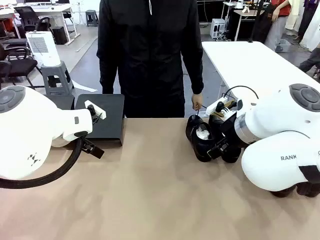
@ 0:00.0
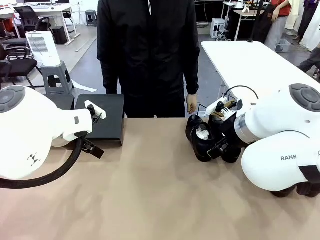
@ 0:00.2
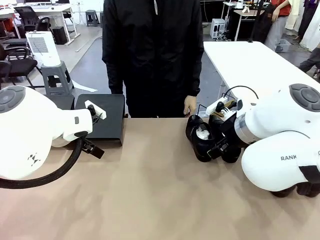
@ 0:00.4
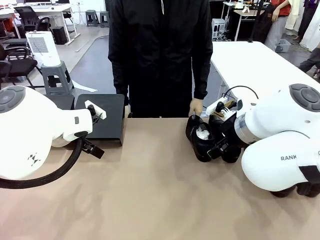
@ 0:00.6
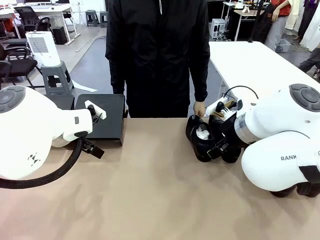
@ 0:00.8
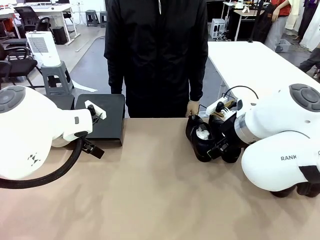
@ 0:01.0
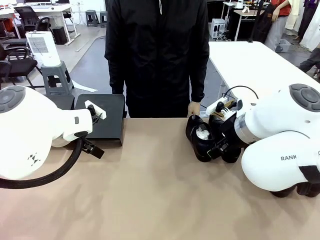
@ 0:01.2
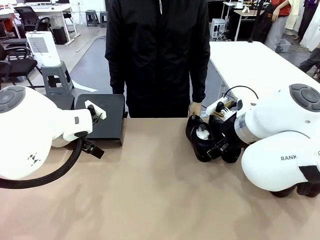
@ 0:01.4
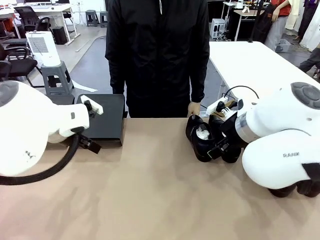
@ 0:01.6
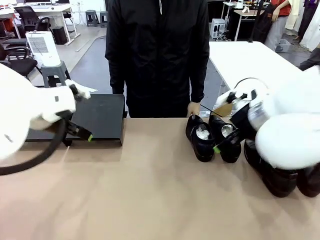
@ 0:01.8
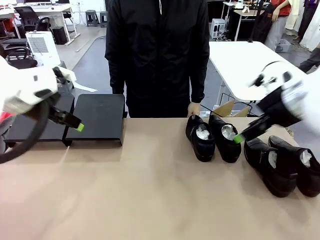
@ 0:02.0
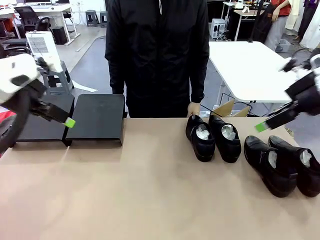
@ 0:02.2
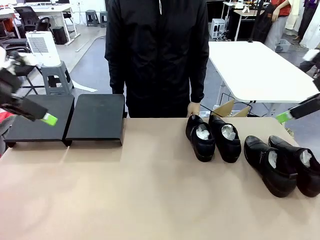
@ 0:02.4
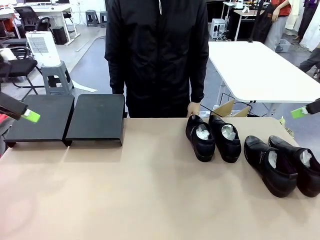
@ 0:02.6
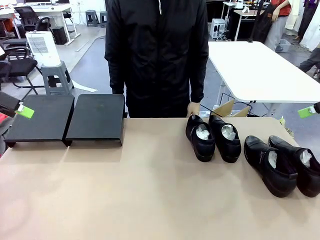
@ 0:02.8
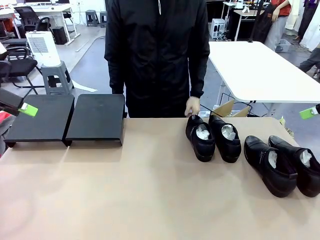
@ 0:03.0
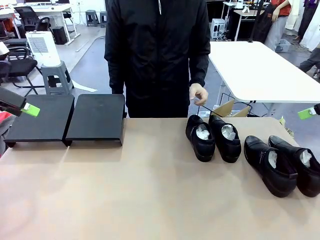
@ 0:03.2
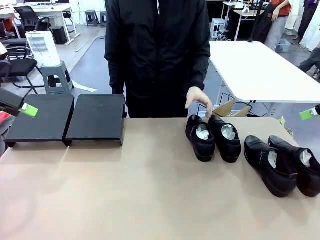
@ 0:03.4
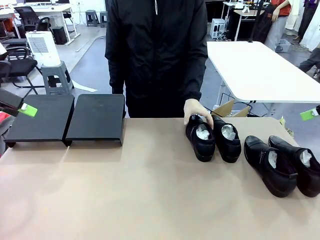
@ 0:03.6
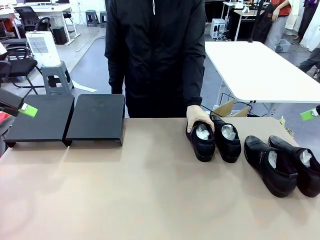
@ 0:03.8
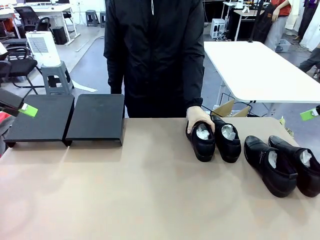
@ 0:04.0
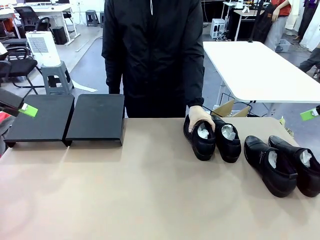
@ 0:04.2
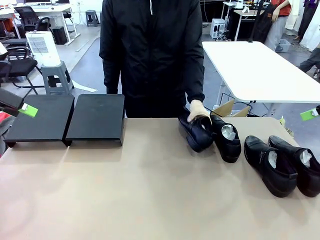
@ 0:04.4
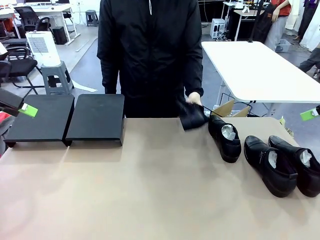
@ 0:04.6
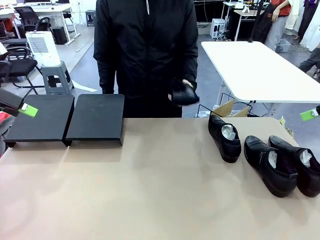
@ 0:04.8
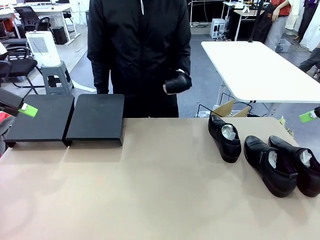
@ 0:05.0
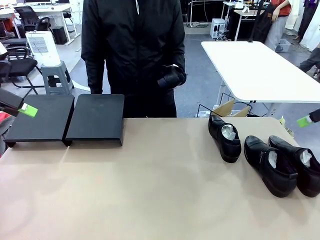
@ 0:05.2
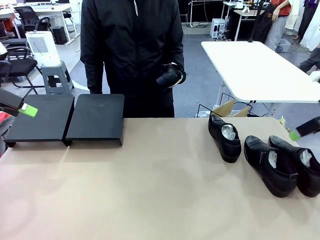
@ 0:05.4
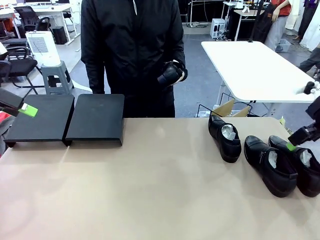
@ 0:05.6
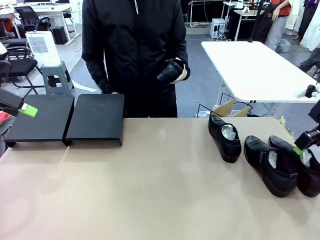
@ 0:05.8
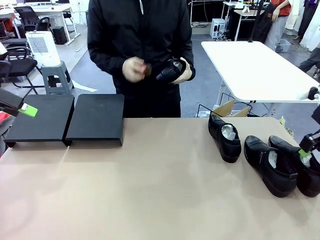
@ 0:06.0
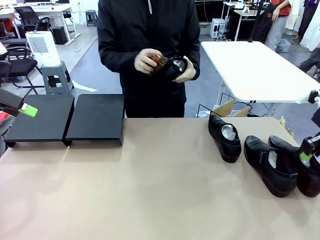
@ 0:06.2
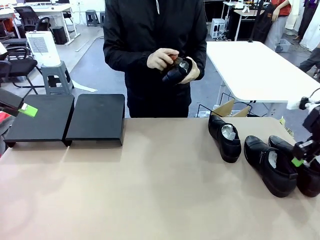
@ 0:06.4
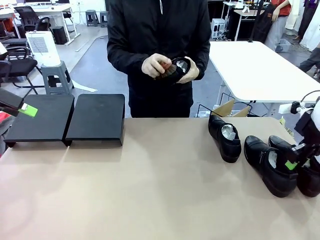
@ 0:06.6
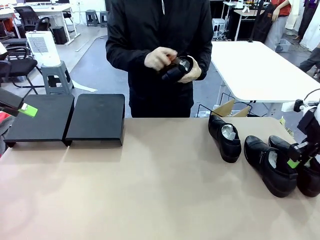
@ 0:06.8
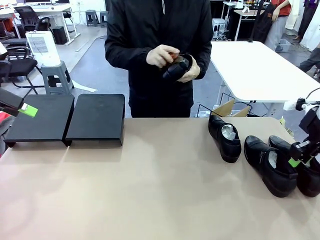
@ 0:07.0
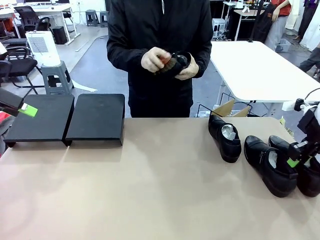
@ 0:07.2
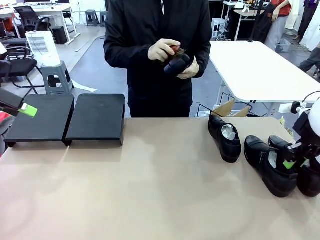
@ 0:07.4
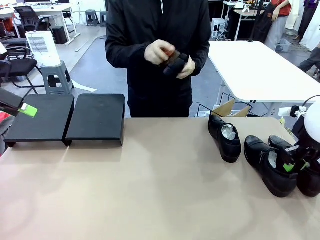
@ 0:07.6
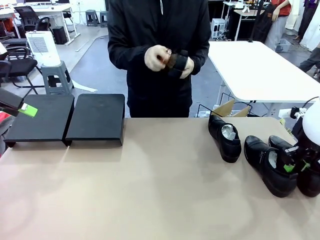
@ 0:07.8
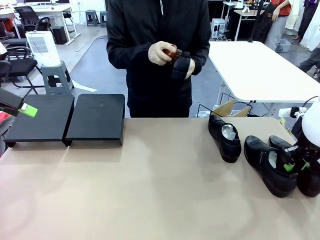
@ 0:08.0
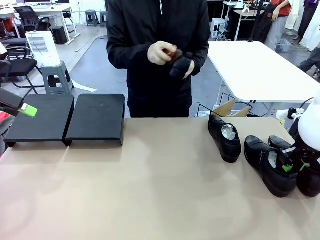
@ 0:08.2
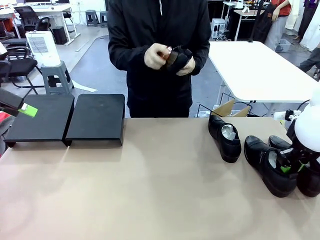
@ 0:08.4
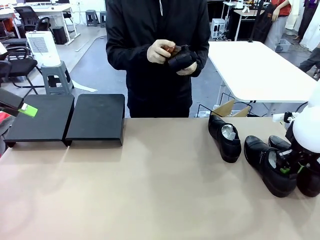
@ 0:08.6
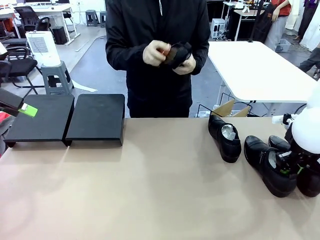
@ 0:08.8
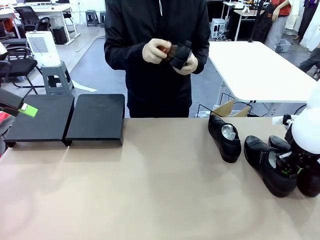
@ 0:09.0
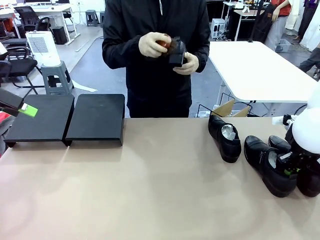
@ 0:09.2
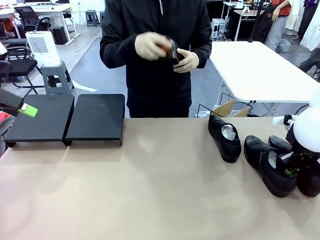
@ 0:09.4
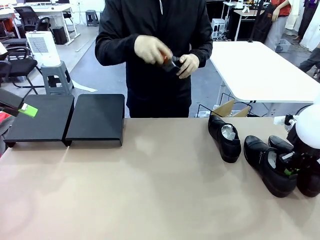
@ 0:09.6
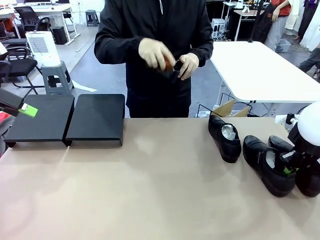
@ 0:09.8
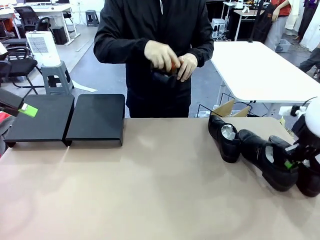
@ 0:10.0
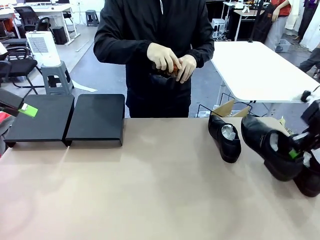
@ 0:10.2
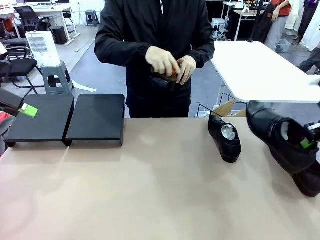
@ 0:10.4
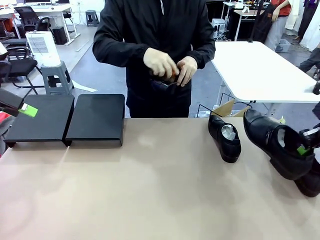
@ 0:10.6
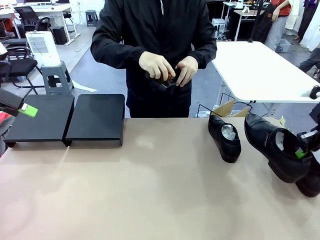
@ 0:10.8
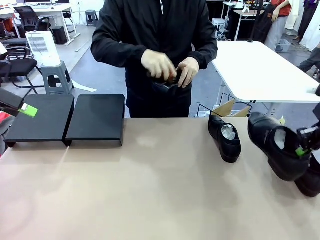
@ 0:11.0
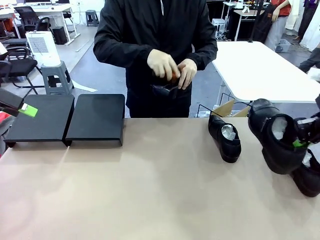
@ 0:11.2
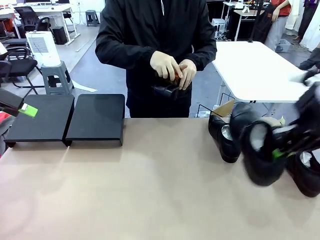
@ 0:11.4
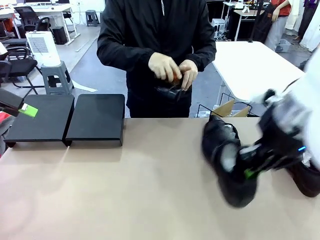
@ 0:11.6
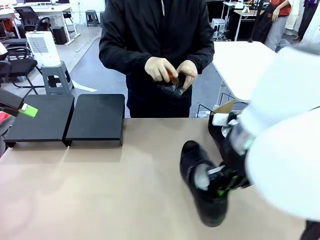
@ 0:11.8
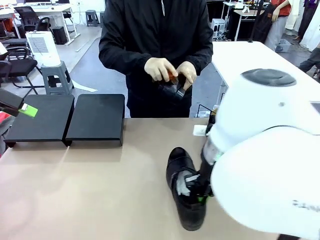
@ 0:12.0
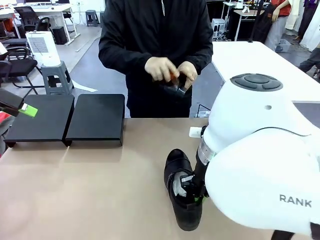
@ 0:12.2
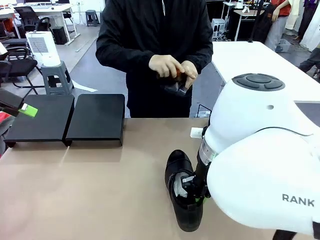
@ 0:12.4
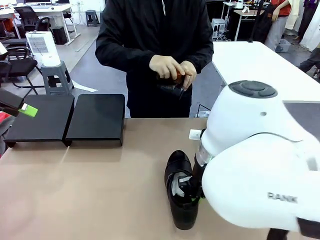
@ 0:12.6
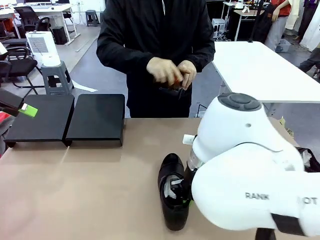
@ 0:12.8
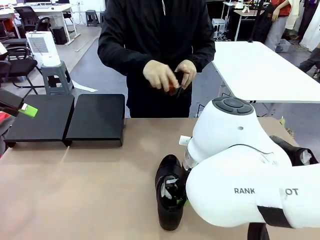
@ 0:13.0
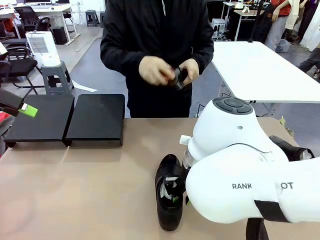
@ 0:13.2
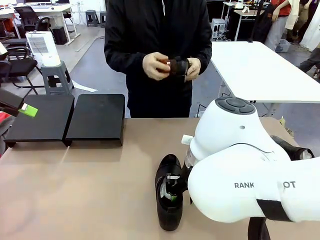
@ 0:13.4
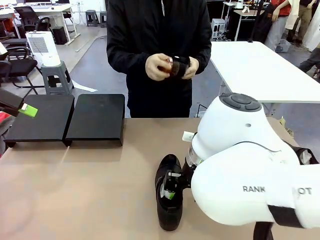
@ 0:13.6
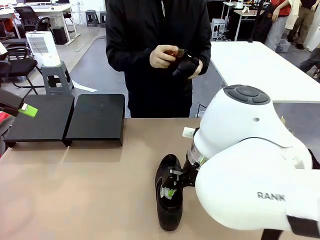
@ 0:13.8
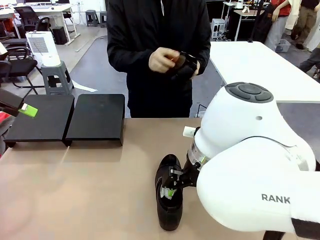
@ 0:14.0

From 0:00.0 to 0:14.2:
Task: Organize the shoes by placing them on the stand.
Robot: Pick up one Shoe and place it in the middle of the table.
Person: Pick one Shoe on Robot's table. Clean the Shoe with the Shoe Brush.

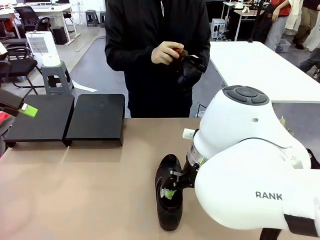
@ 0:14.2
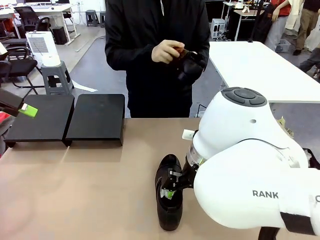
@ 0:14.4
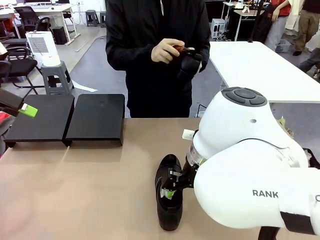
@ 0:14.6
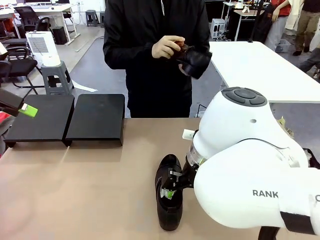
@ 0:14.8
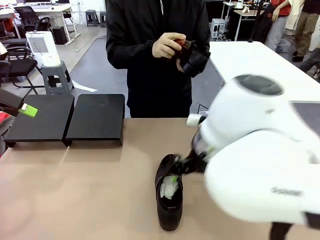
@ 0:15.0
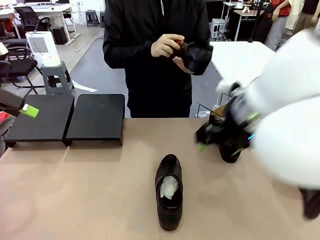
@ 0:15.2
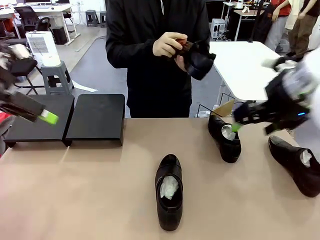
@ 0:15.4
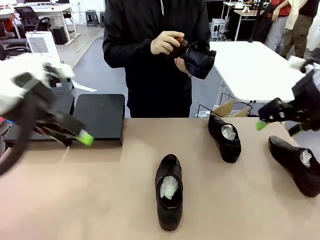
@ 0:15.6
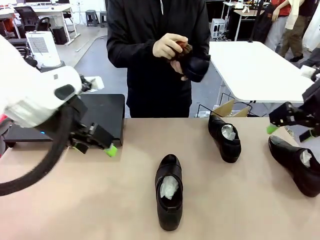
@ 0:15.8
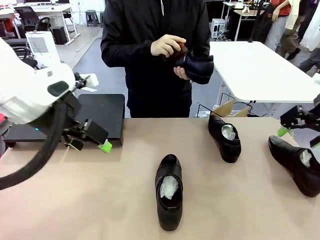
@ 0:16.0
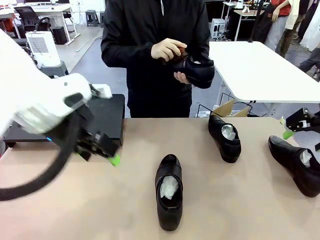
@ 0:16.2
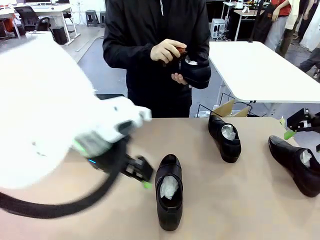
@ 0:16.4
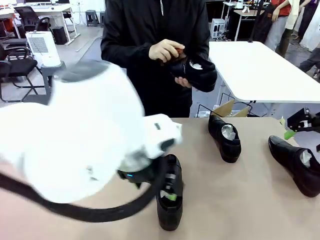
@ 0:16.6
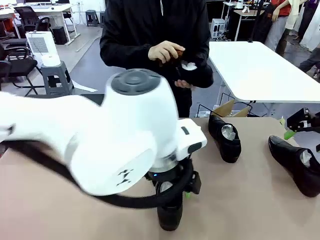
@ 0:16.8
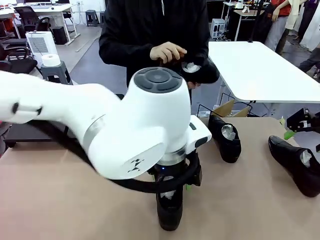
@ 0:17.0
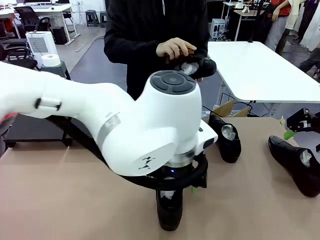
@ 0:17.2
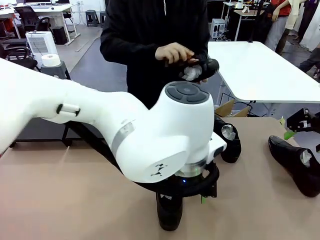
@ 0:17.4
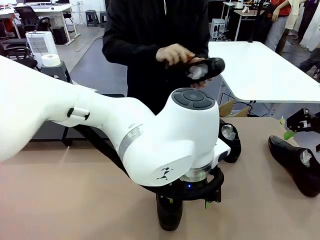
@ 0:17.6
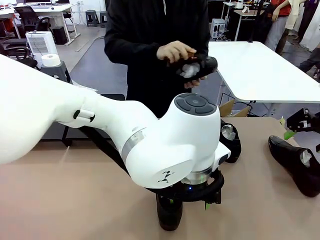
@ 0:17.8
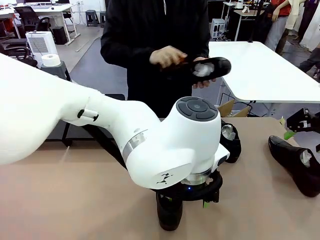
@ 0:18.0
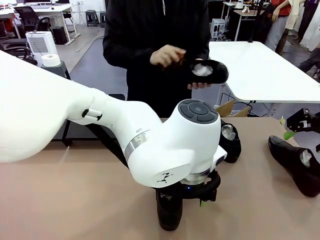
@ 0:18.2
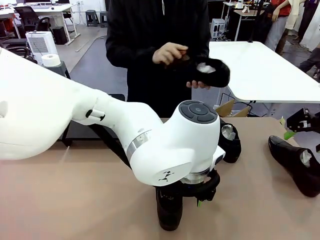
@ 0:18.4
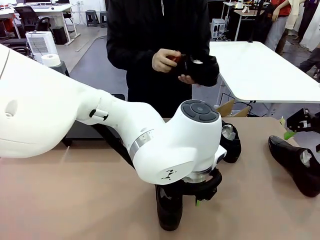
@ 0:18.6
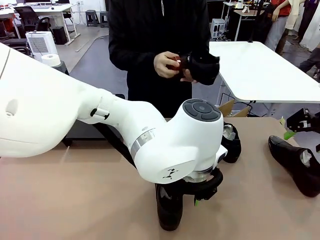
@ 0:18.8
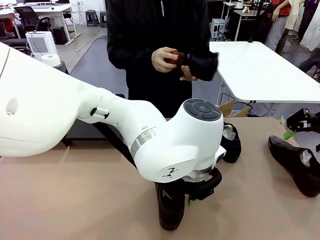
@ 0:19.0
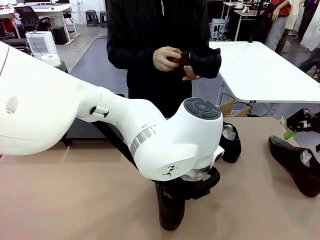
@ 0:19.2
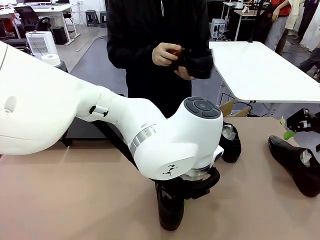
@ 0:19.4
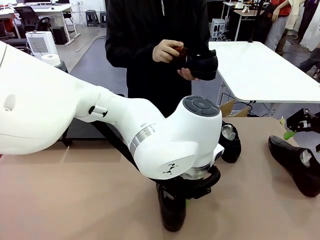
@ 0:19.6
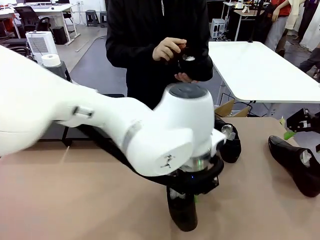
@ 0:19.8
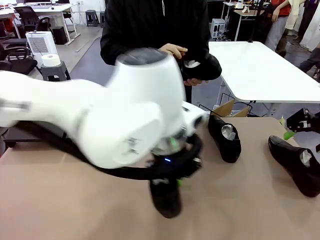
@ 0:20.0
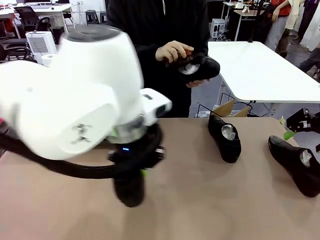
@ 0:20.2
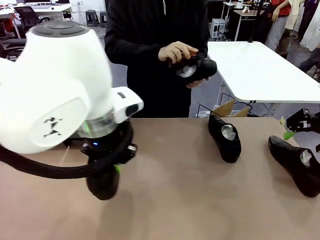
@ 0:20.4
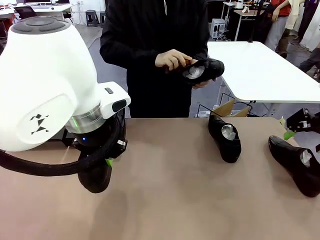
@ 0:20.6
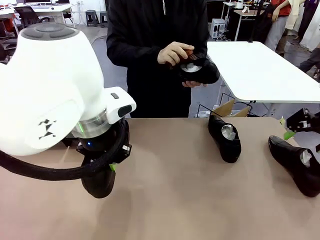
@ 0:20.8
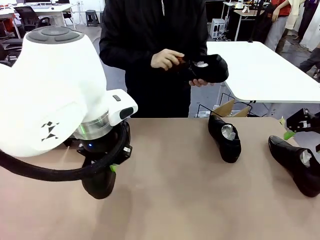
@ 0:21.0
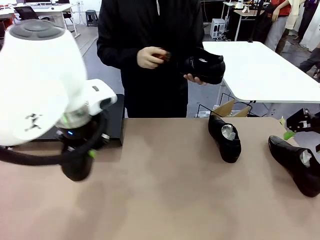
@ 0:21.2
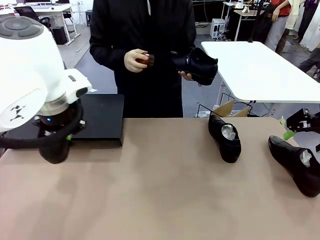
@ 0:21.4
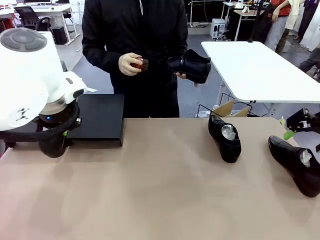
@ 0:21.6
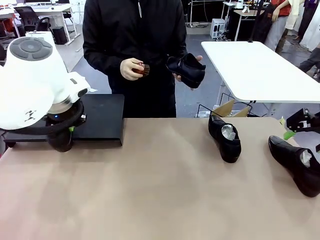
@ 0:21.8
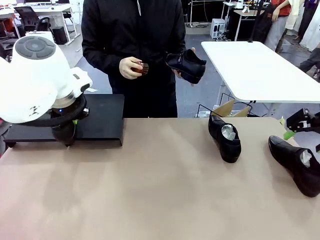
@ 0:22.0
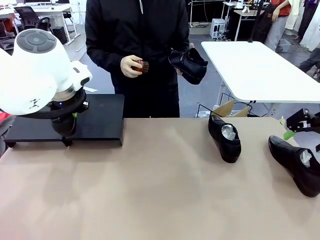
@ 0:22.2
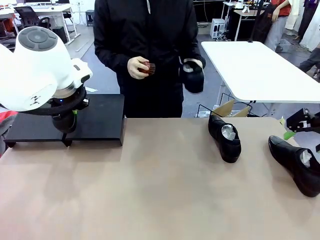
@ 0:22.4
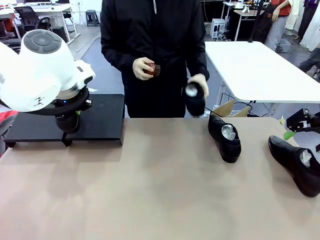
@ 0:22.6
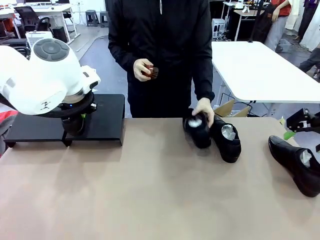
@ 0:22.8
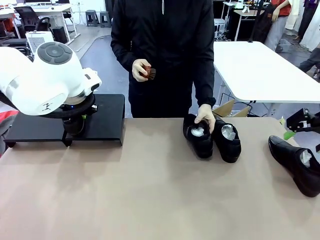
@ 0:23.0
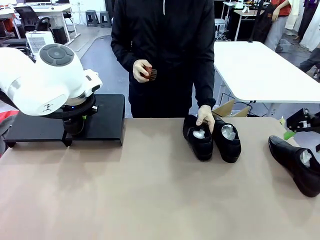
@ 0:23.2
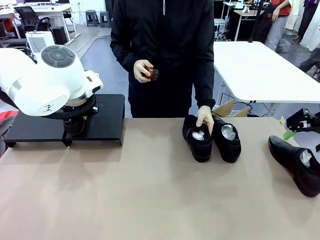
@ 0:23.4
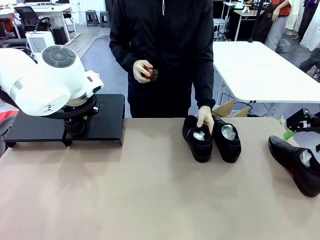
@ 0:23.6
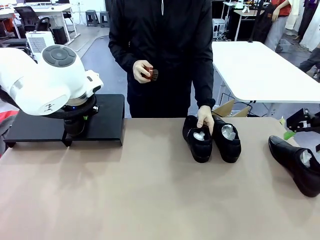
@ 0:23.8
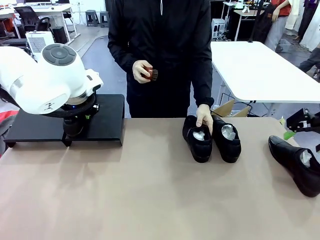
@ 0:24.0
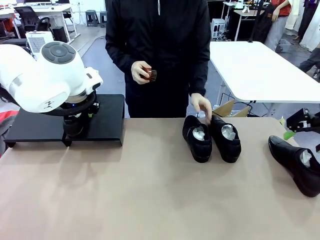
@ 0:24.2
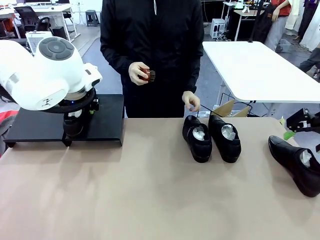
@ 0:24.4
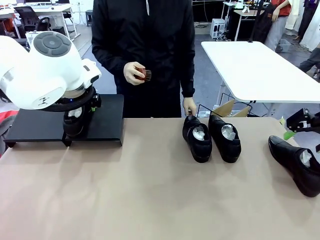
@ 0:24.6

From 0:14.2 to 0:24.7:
Robot: Place the Shoe from the middle of the table onto the Shoes Stand.
Person: Place the Shoe on left side of the Robot's table.
